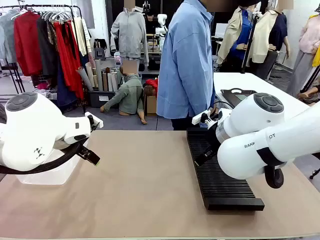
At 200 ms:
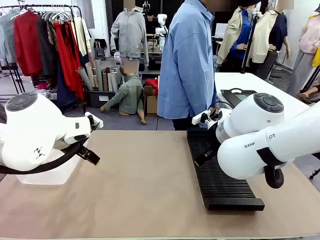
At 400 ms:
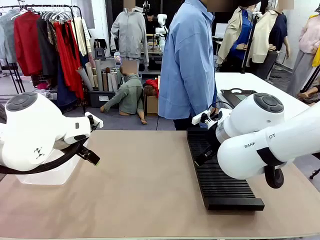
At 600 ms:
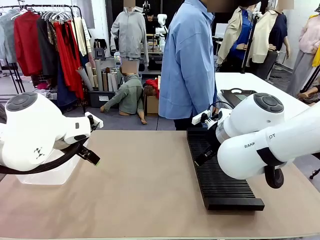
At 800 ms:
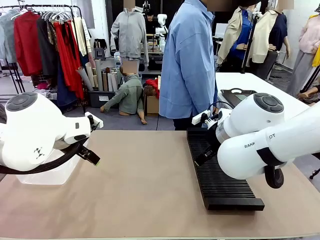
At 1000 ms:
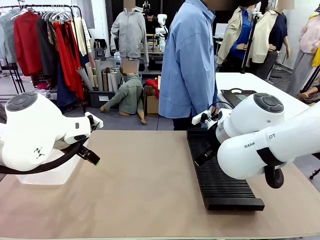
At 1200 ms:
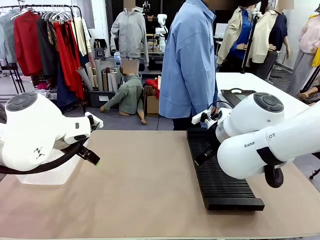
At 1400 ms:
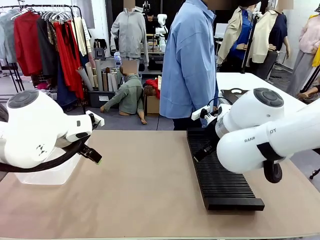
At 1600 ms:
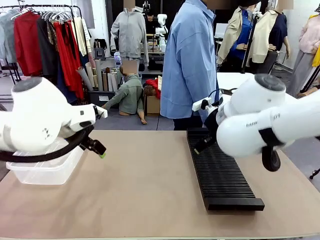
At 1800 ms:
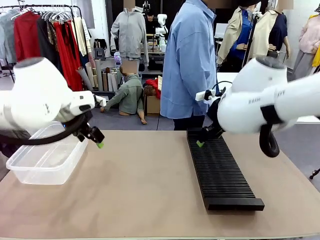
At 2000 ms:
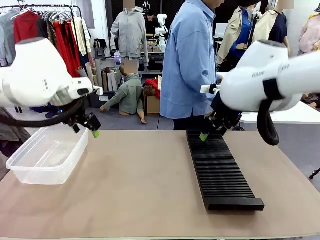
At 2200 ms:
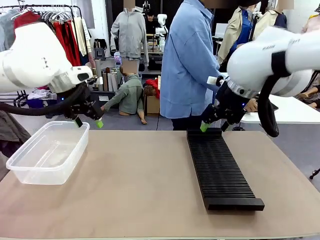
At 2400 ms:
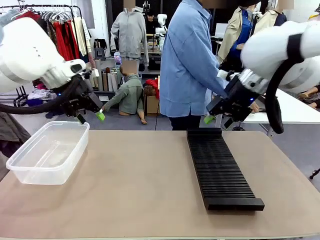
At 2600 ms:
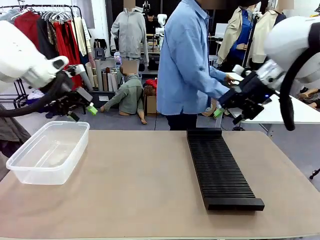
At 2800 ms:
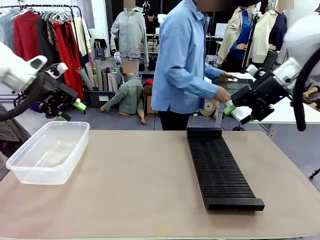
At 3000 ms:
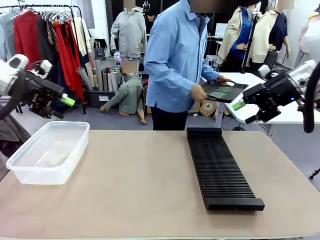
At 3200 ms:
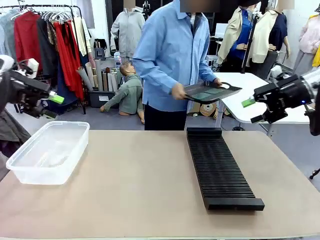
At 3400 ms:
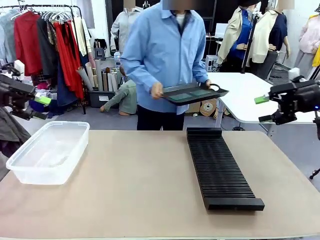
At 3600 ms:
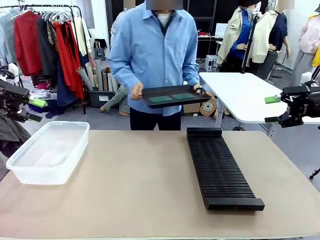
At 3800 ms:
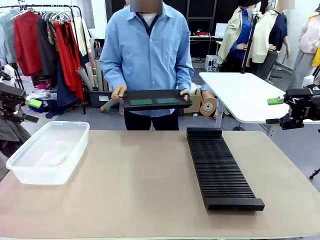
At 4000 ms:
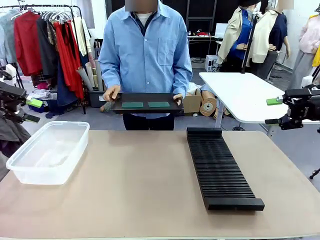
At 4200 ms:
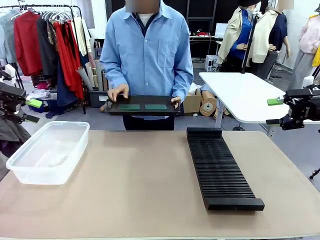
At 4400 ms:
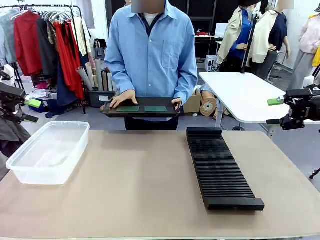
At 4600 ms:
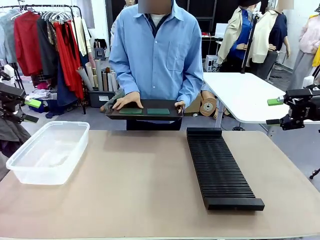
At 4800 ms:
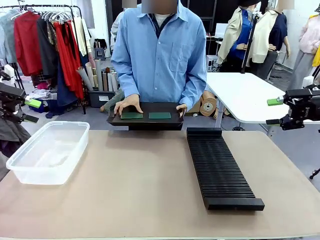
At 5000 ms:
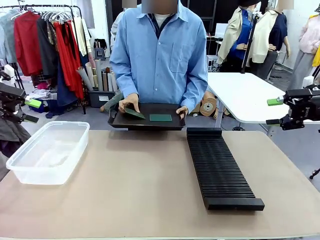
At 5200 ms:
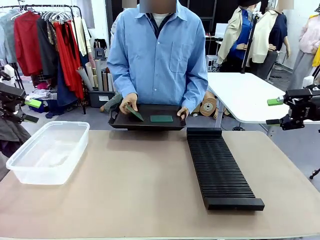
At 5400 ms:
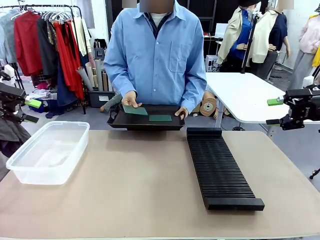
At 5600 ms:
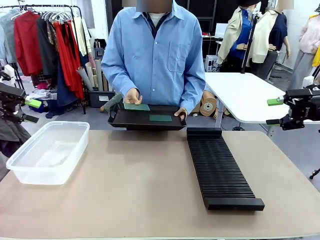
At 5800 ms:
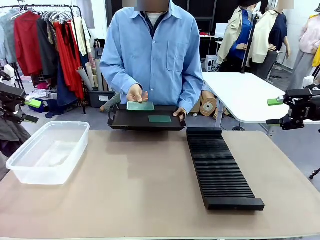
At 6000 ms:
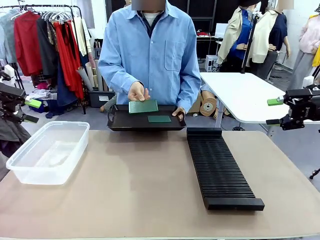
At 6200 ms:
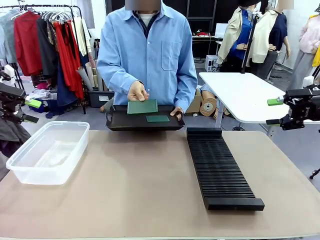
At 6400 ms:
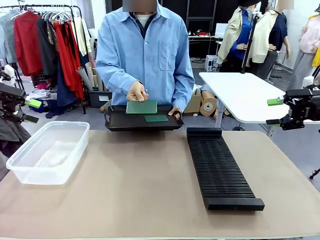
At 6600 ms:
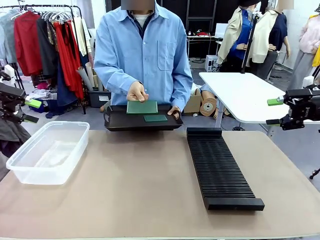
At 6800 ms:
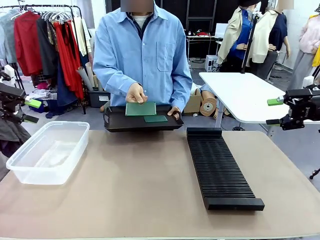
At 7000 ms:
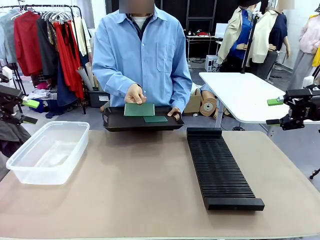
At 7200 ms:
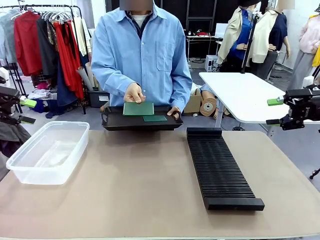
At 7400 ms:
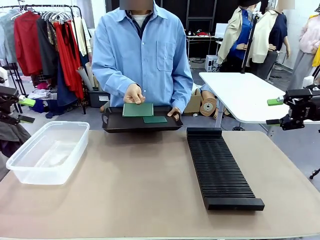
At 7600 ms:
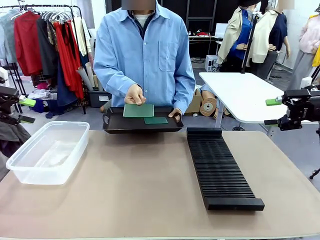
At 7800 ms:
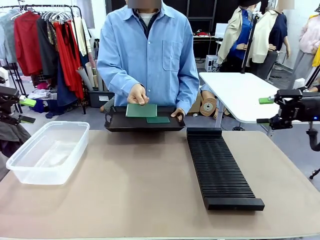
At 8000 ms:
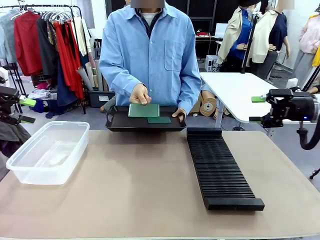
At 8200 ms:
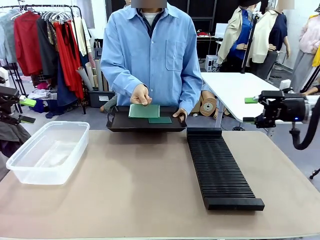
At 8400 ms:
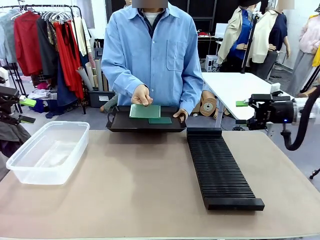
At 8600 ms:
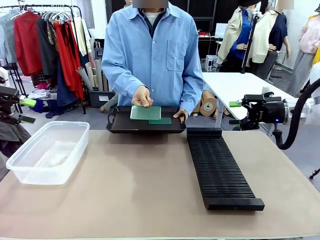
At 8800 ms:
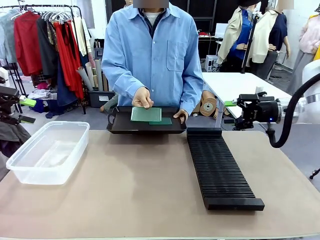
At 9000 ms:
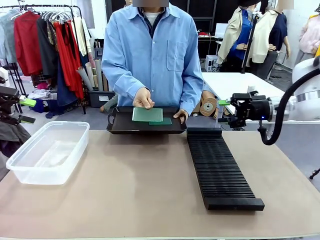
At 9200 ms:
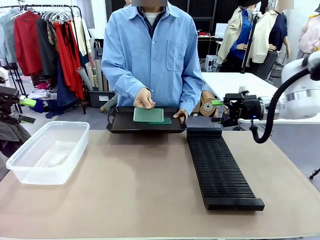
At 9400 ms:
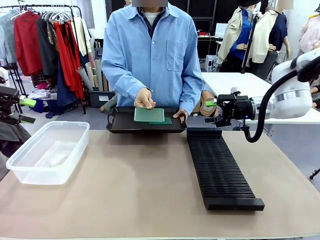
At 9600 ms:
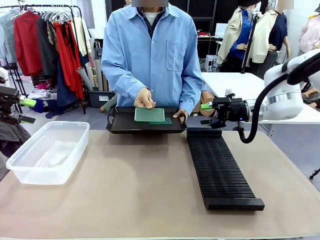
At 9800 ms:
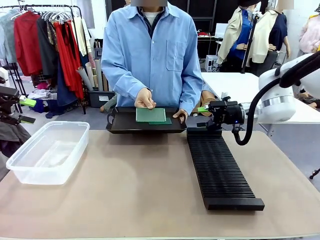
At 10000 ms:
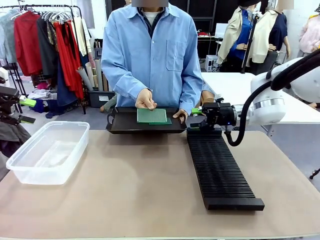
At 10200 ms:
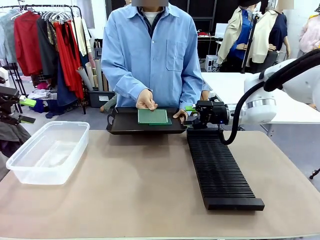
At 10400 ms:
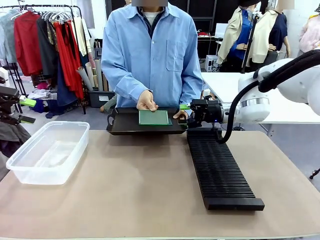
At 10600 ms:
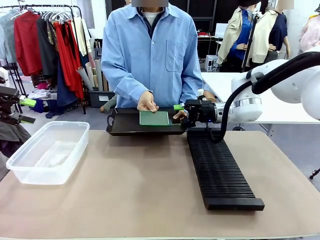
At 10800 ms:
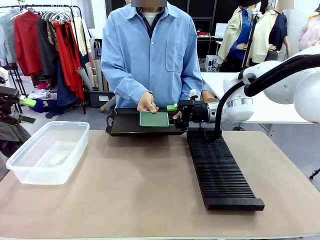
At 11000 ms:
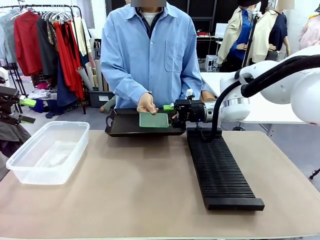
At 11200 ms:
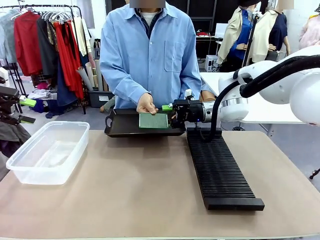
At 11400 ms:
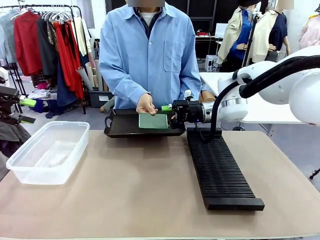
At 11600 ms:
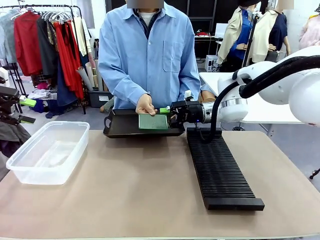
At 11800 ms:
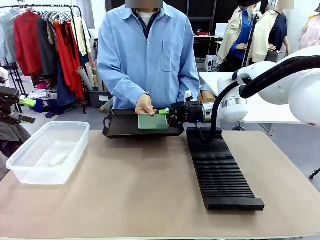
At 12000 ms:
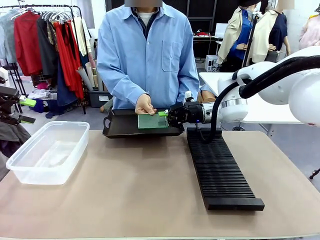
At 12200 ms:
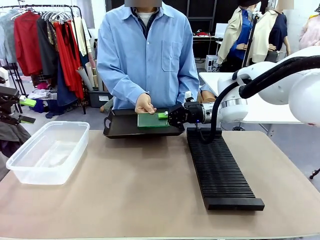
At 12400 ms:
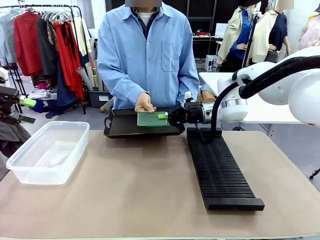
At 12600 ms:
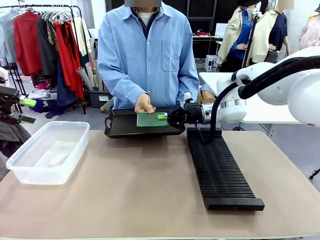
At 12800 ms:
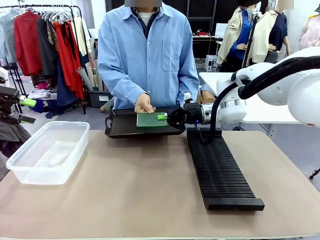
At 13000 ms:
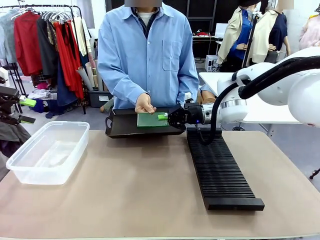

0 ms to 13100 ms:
Task: Sort PCBs into racks and boxes based on the side picked up.
Robot: Pick up the Blank PCB handed by the Human.
Person: Pick one PCB from the tray and present it to the robot. Release the PCB being held.

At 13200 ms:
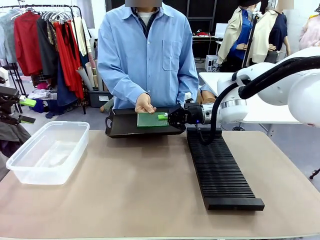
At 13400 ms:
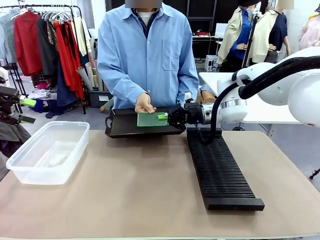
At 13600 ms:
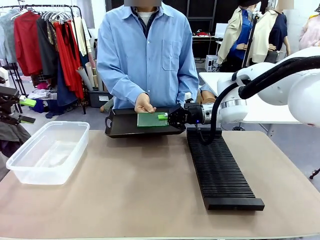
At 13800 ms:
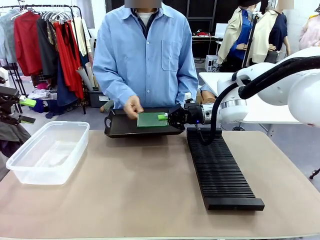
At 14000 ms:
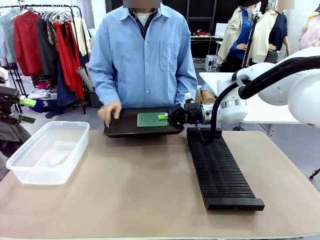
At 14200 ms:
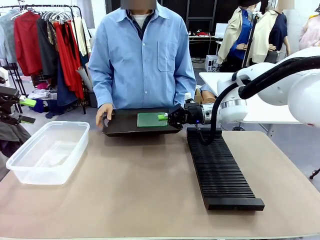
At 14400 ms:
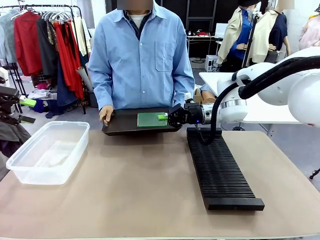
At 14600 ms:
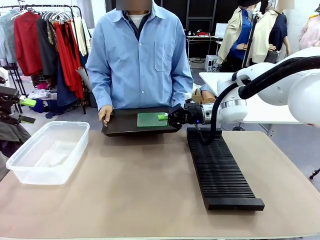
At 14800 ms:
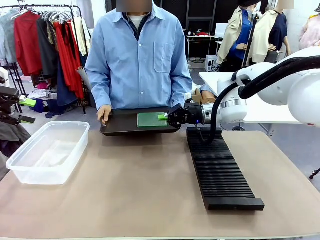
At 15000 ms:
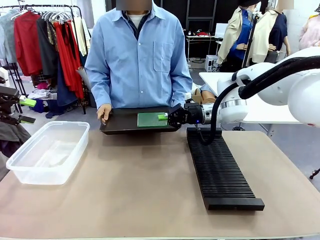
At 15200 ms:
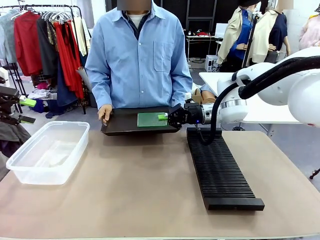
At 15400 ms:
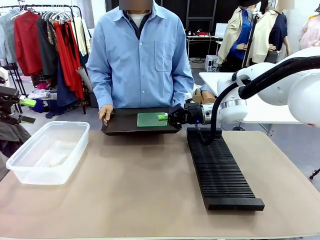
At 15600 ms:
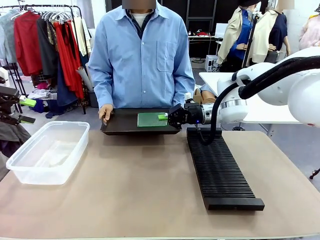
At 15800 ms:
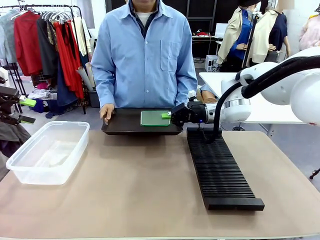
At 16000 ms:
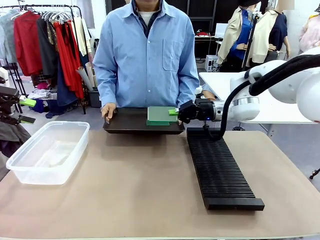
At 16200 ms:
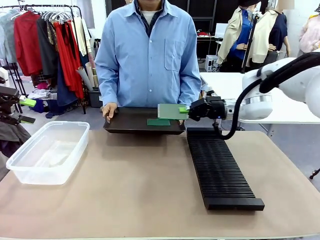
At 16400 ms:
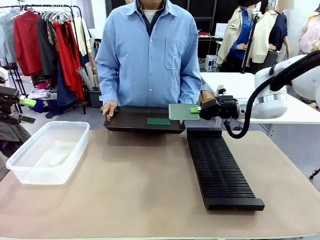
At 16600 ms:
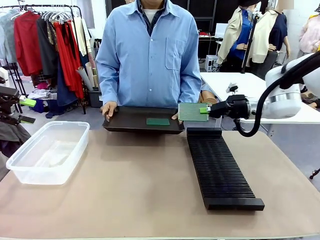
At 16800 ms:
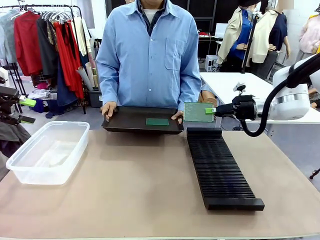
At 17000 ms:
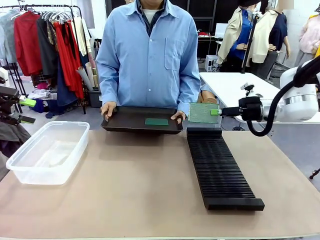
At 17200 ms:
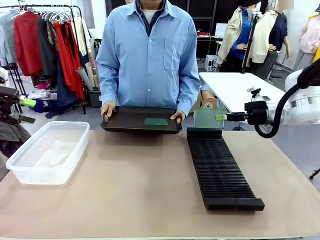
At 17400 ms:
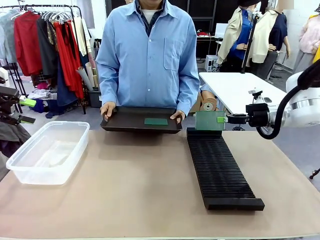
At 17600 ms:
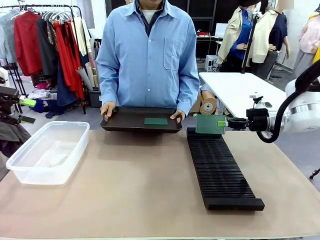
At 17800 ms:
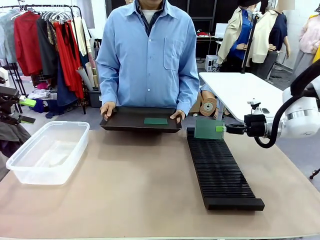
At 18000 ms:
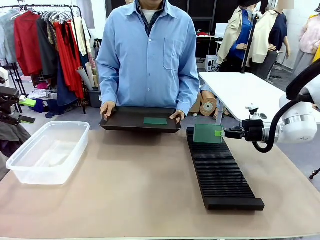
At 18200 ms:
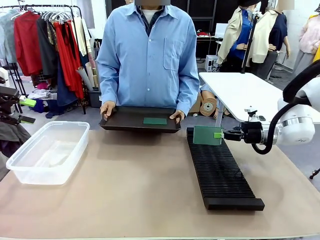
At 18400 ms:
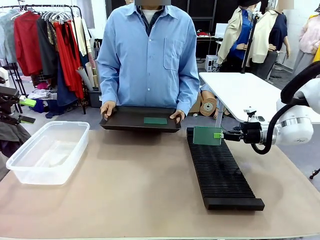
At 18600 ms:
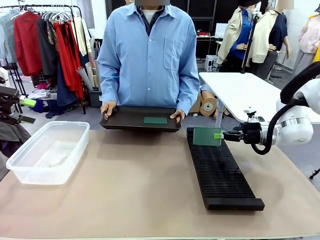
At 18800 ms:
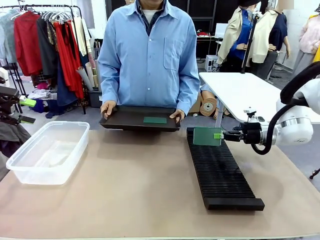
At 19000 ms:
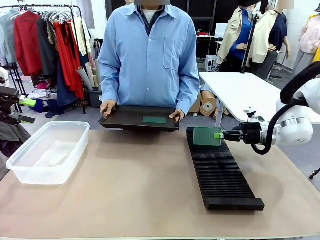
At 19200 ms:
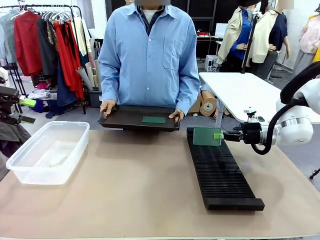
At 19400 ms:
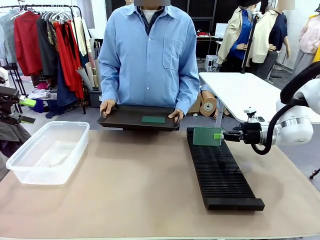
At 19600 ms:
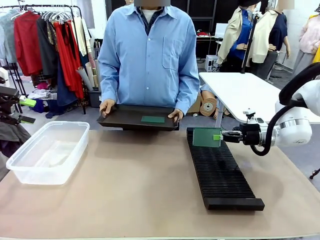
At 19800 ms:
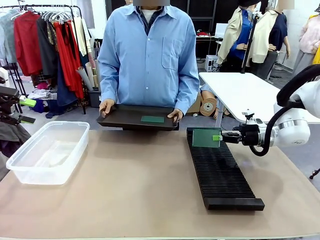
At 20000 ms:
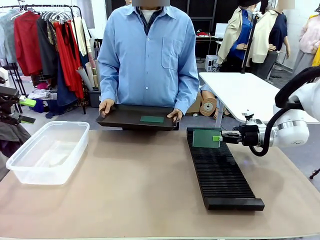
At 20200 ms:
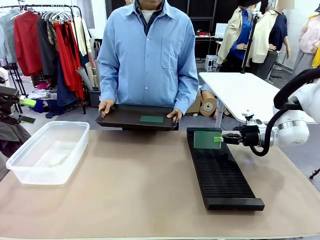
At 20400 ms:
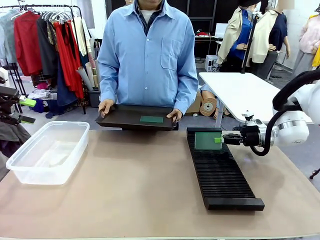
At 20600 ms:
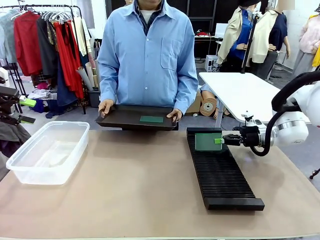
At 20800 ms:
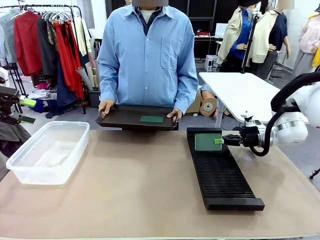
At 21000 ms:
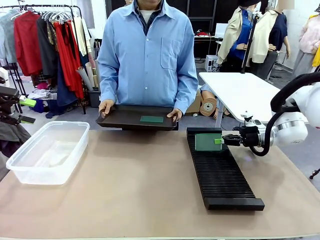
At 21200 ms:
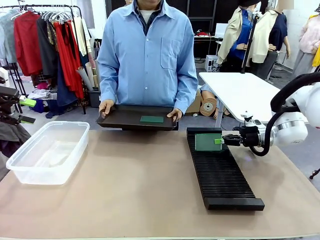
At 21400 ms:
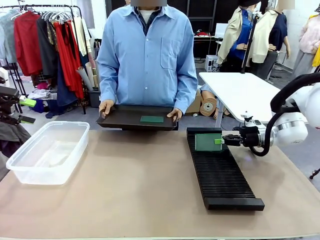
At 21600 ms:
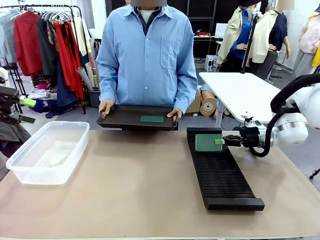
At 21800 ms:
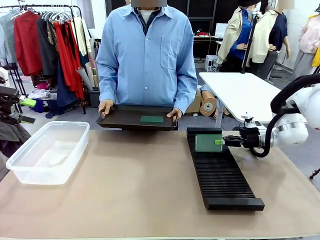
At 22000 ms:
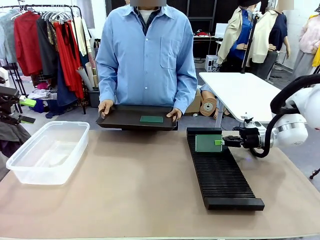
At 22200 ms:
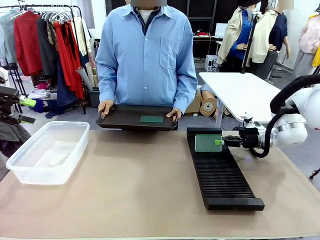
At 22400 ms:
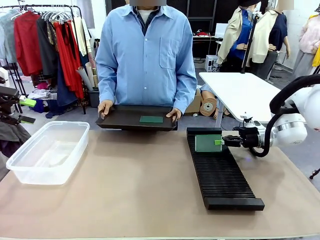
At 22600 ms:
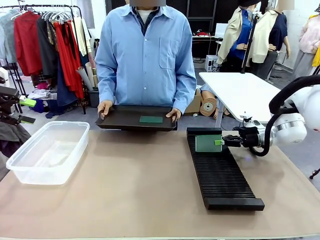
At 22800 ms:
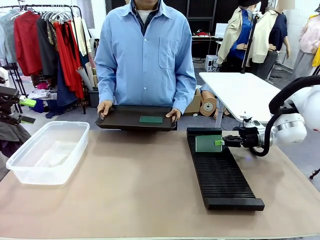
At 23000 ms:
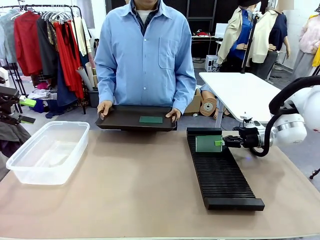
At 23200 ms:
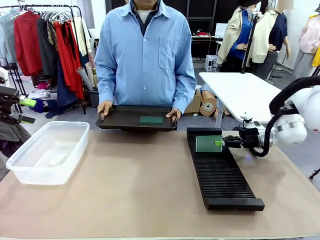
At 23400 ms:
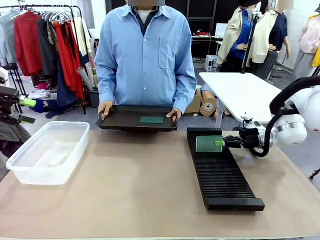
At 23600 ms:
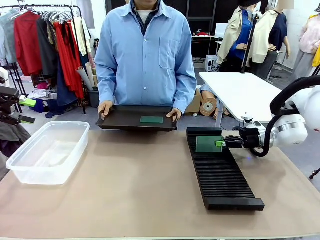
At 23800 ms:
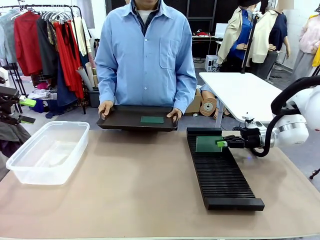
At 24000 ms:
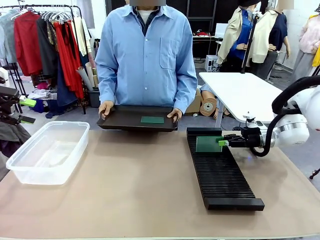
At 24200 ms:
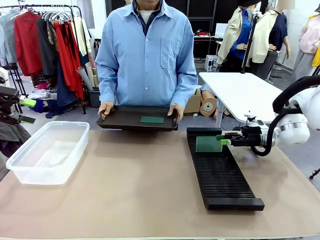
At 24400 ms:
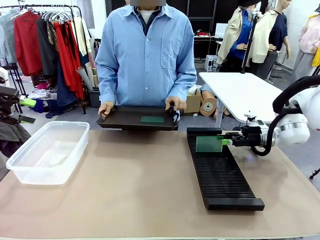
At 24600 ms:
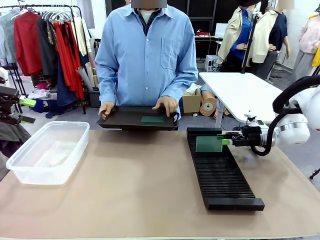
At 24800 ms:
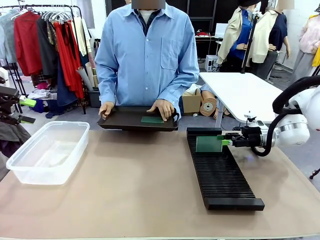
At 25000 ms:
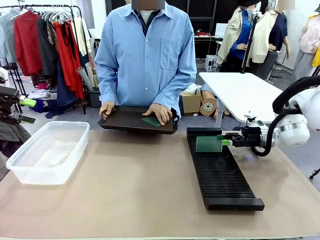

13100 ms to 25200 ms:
Robot: If the short side of the Blank PCB is picked up, insert it into the PCB Rack ; if the long side is picked up, place it in the Organizing box.
Person: Pick one PCB from the tray and present it to the robot.
